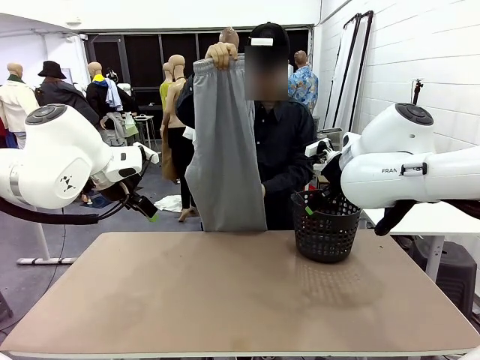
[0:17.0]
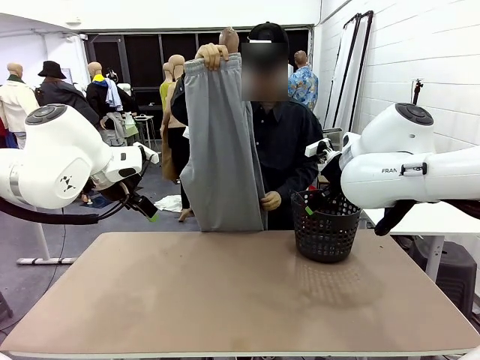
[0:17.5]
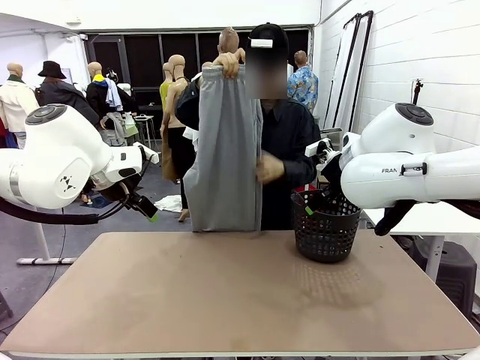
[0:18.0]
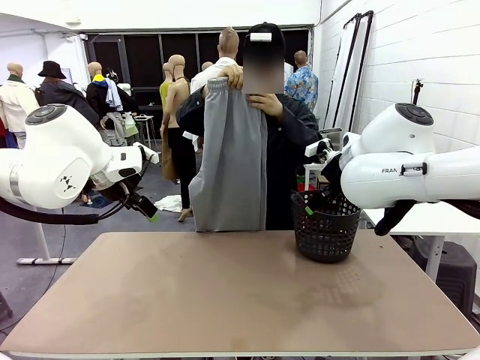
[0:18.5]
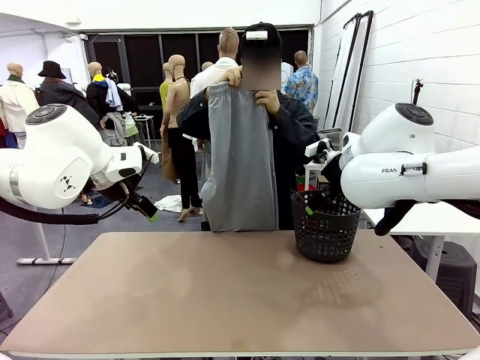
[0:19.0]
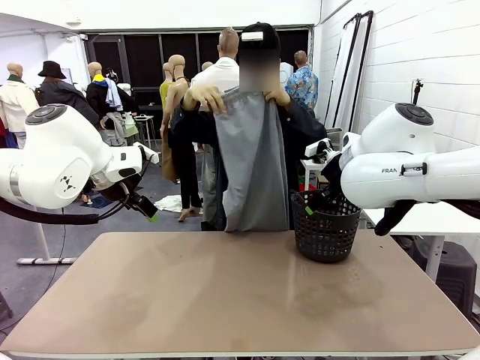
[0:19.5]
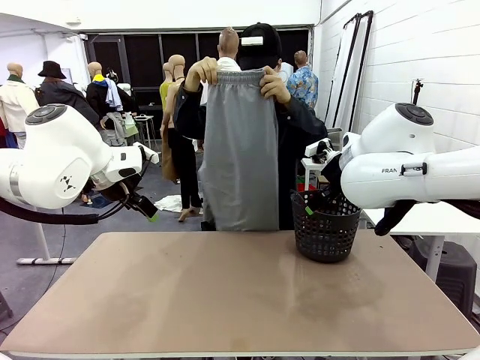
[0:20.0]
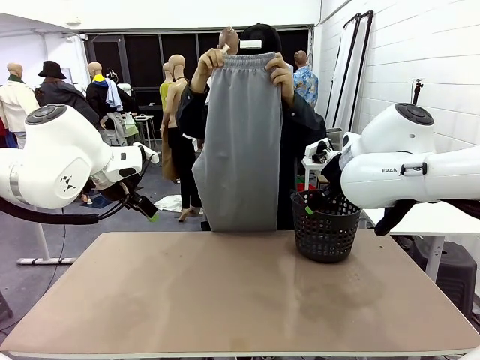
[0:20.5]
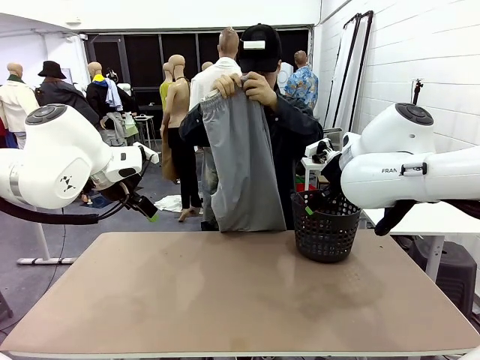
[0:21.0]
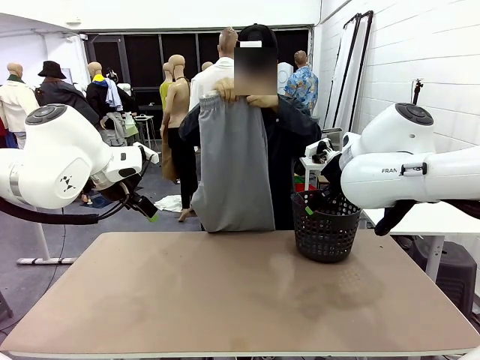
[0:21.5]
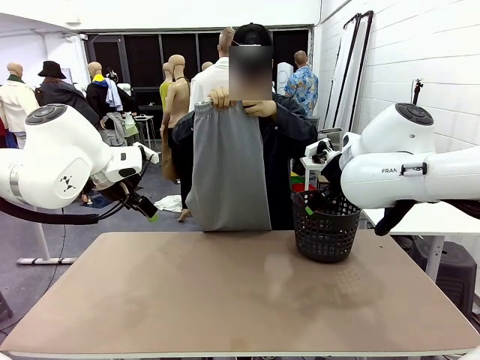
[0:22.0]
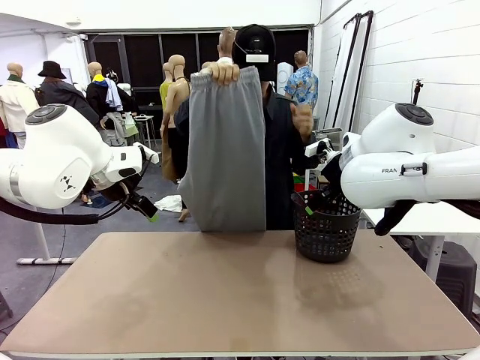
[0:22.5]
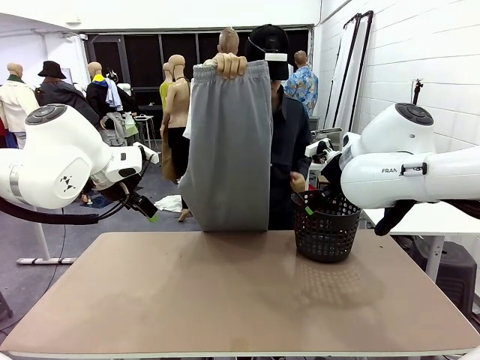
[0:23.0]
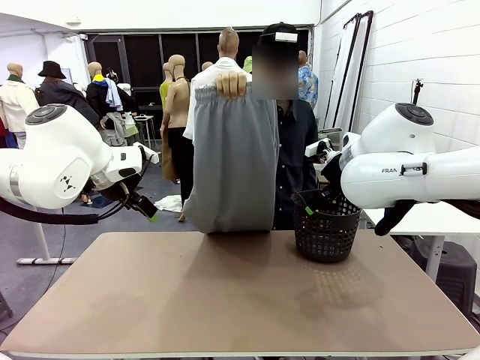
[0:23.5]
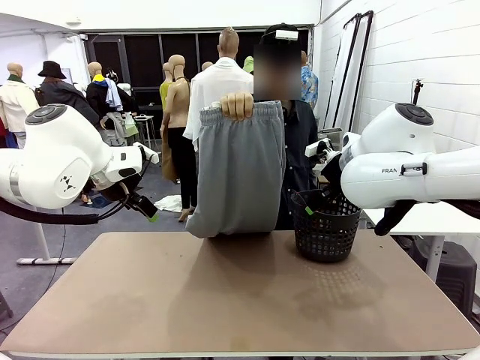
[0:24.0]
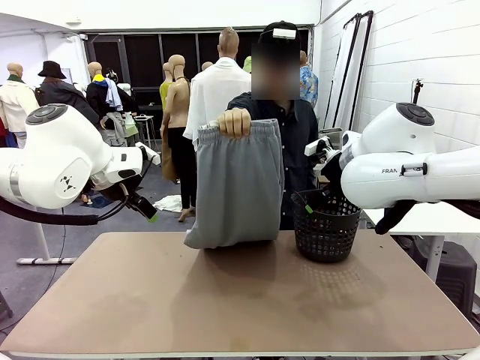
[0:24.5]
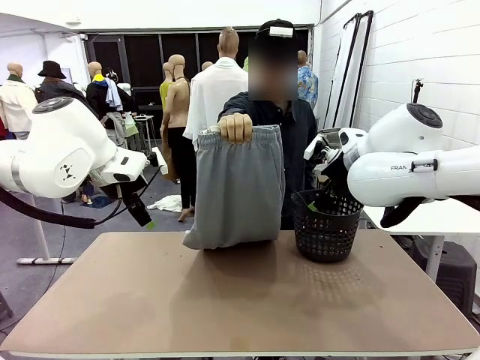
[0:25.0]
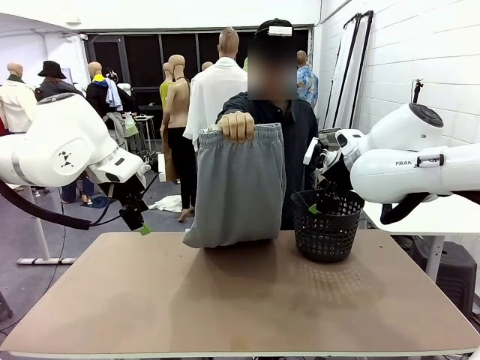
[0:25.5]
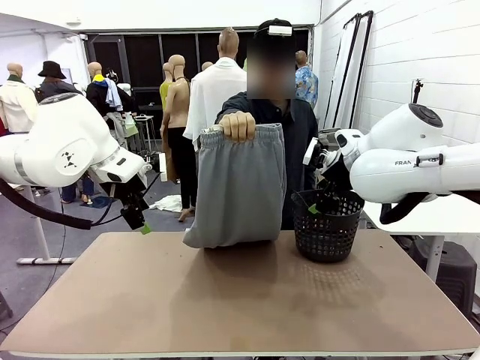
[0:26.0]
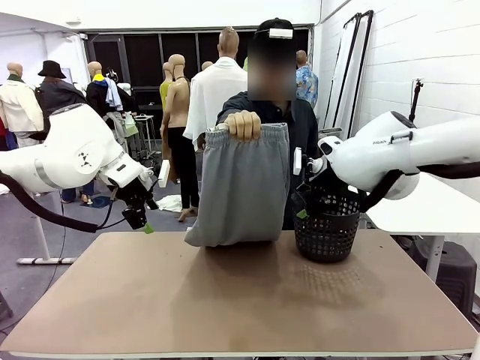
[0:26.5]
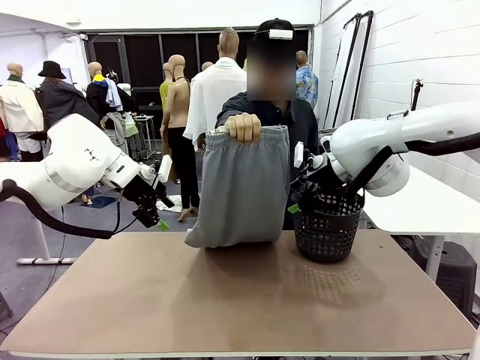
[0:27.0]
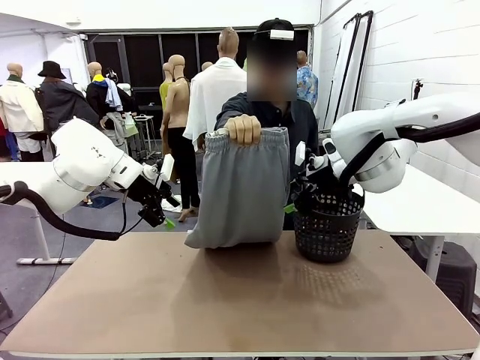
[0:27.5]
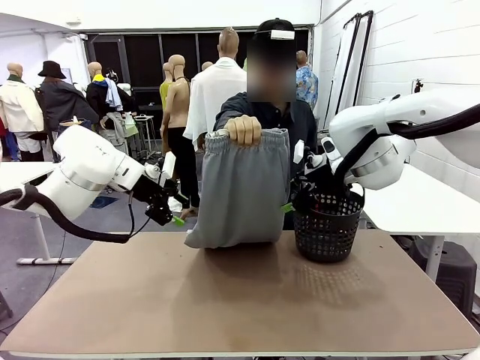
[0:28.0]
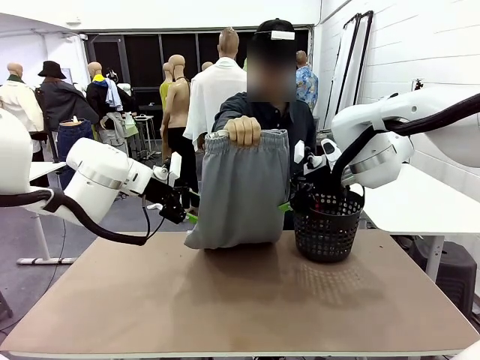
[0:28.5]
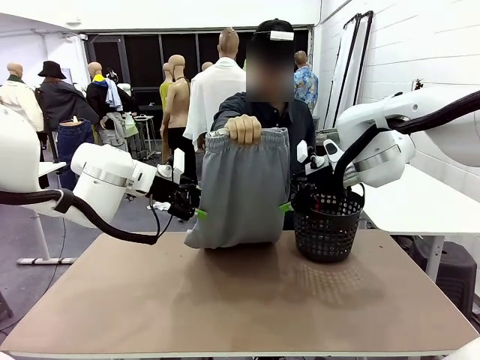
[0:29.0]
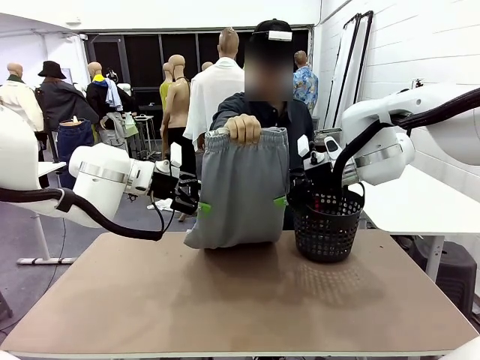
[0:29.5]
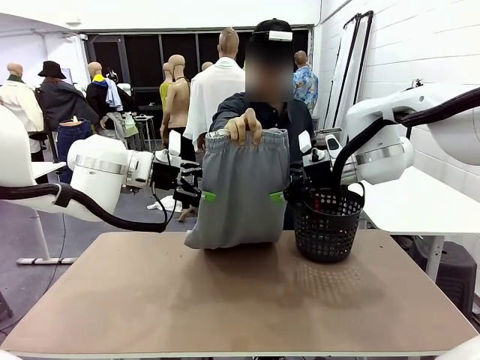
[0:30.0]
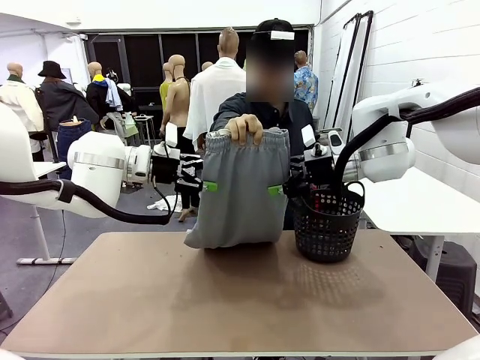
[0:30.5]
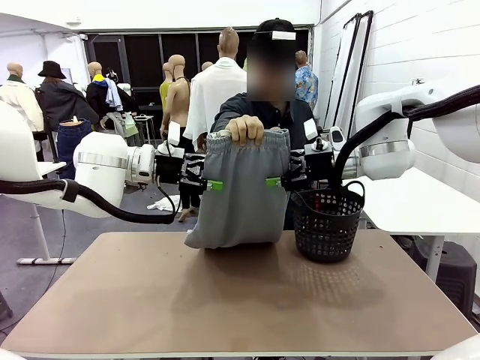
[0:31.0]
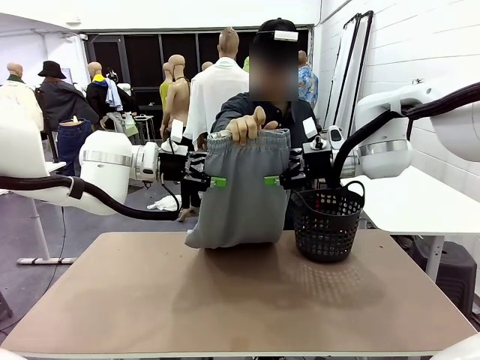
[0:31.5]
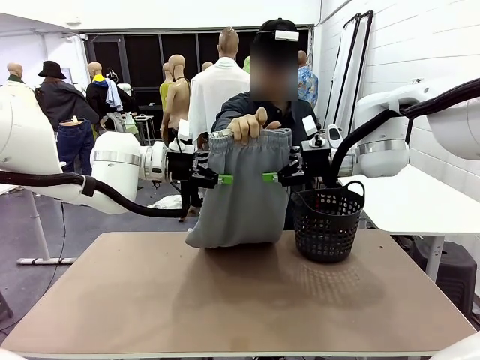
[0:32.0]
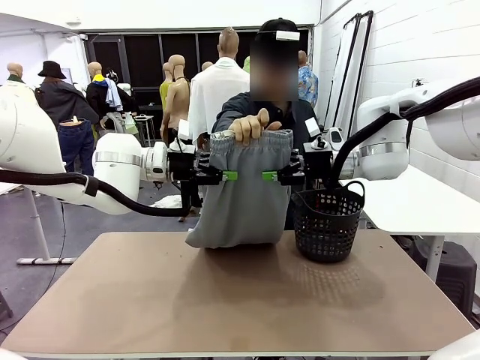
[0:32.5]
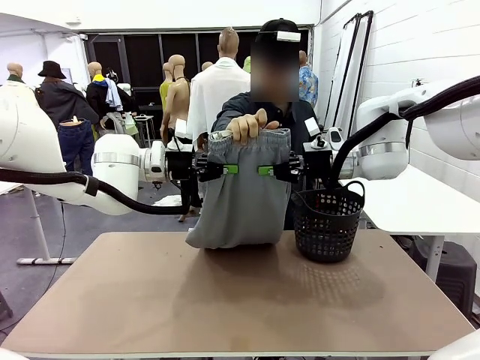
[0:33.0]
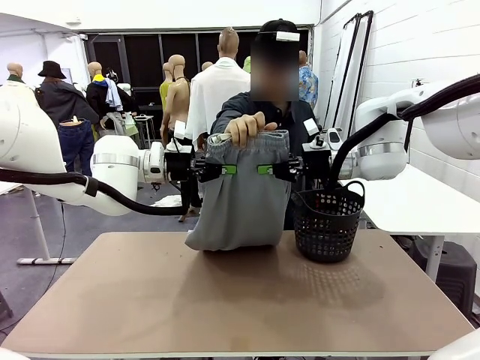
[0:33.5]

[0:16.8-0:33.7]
Task: Fold the training pants.
Robot: Grab both ends of the Training pants handed by a person.

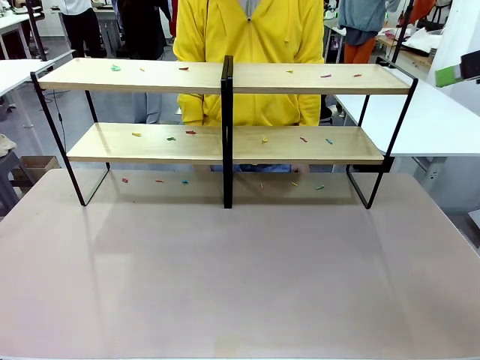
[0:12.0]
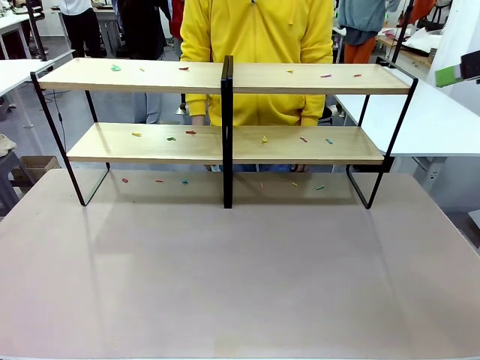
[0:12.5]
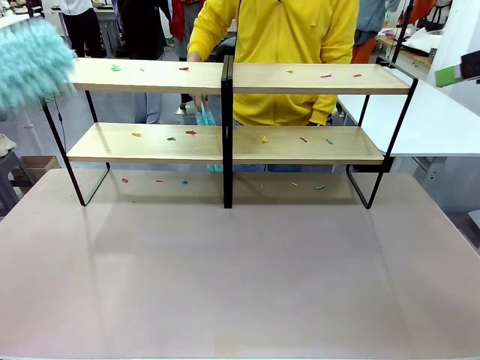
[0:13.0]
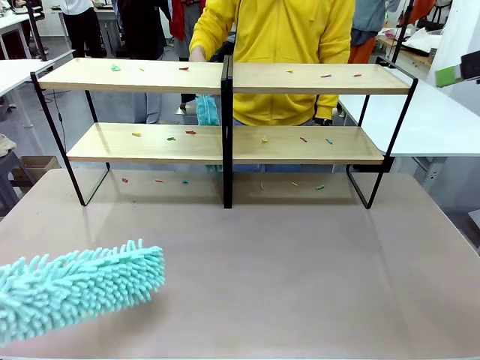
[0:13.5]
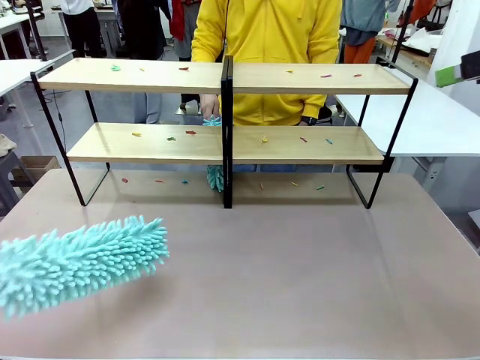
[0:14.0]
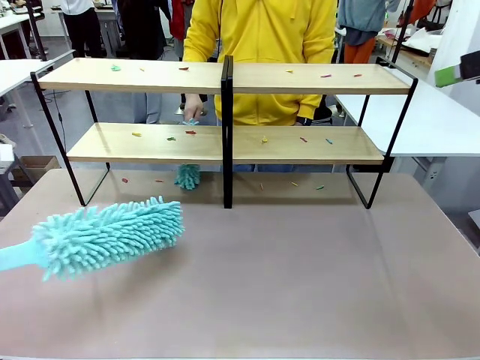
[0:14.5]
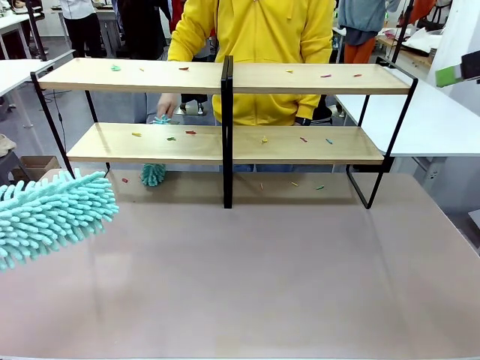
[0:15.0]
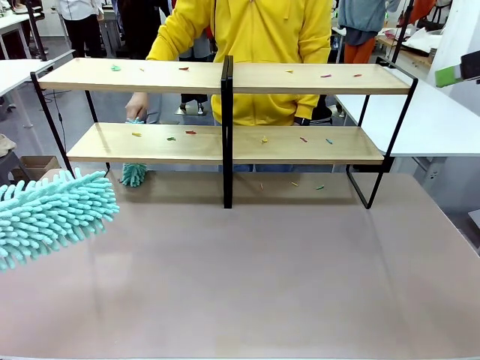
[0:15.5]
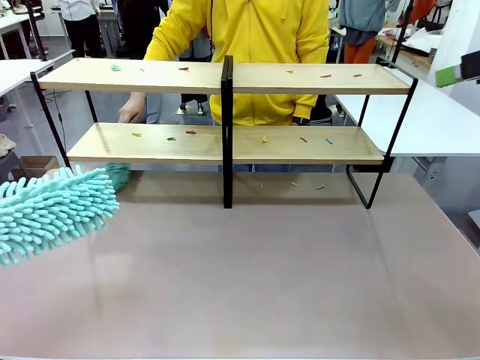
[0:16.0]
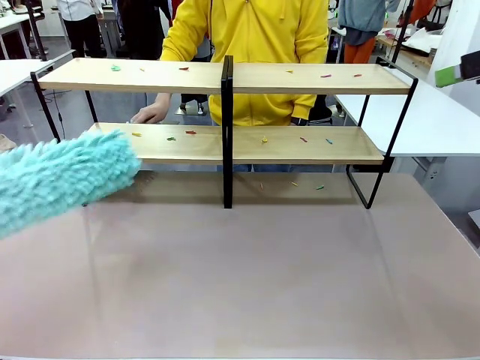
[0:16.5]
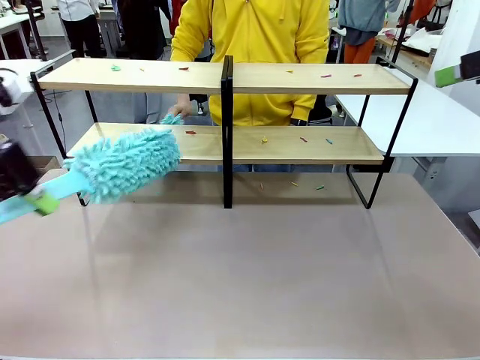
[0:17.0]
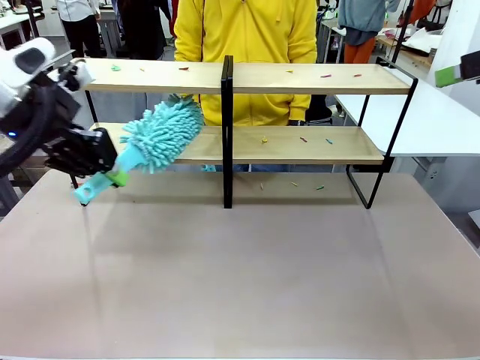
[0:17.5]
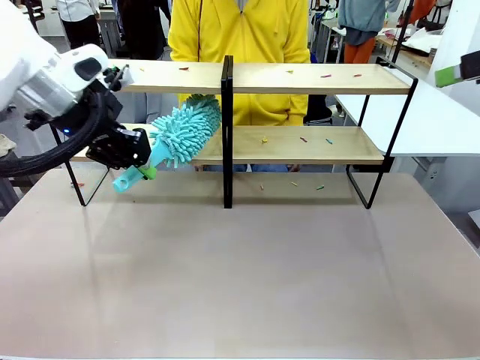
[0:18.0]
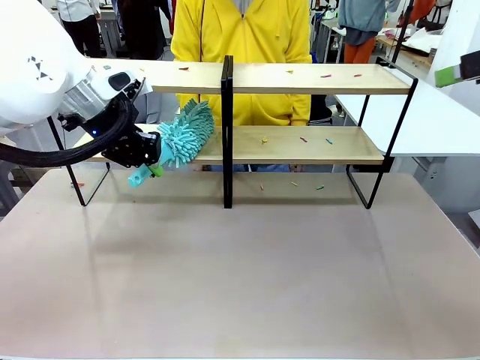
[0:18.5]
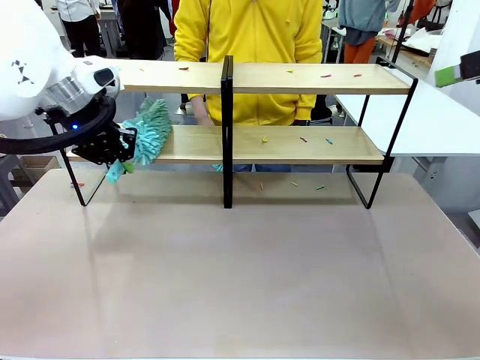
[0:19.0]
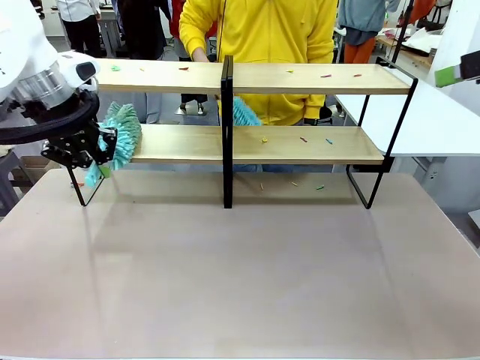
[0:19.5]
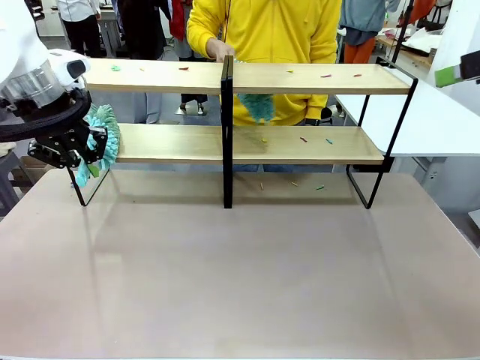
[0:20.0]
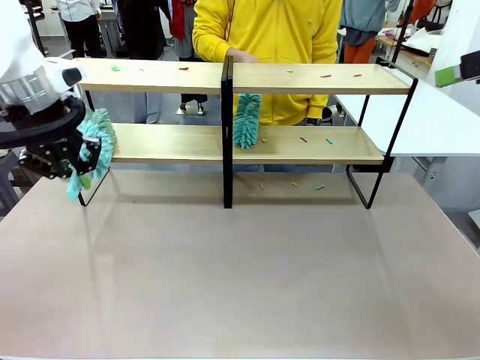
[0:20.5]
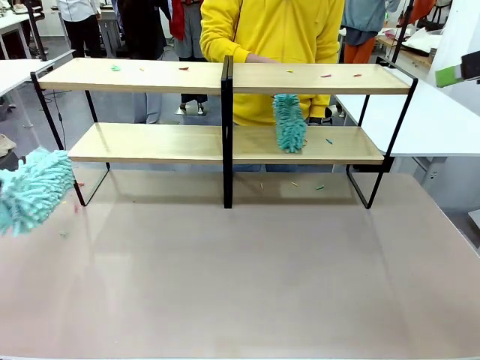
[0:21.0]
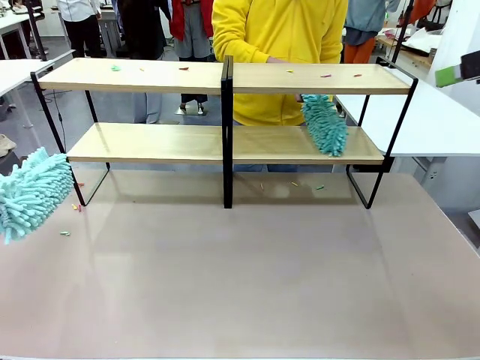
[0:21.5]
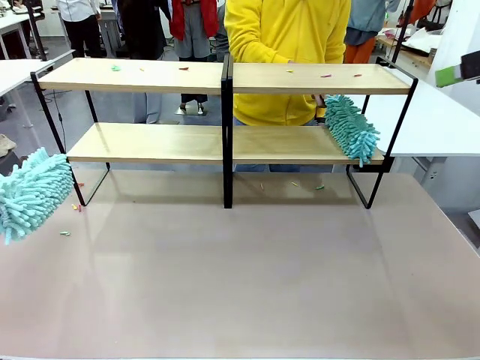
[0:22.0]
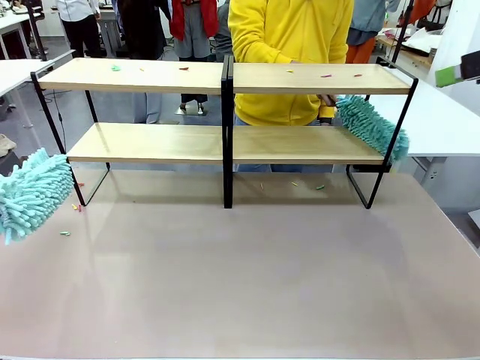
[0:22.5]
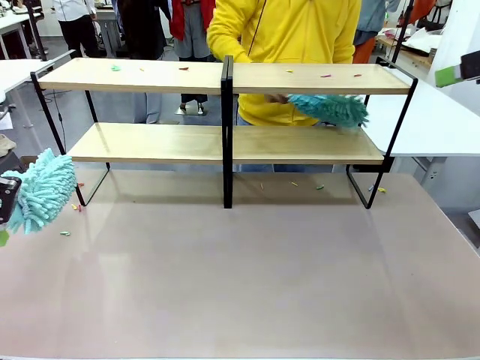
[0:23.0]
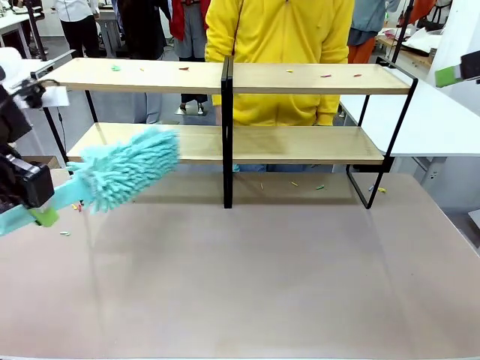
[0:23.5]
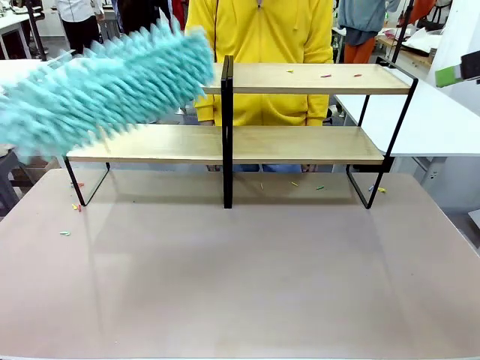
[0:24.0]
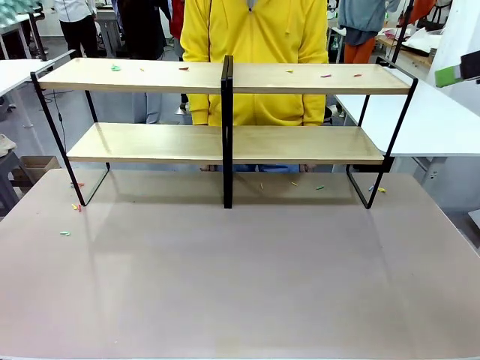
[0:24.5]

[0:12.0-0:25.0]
Task: Clean the shelves.
Robot: Clean a randomly selected level of the Shelf with the Duster.
